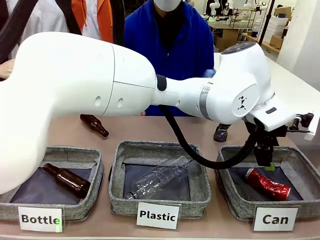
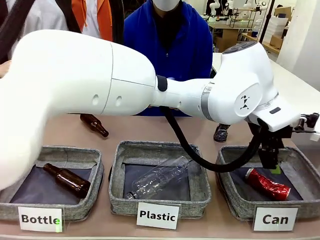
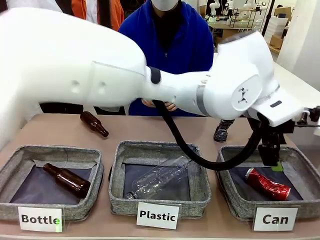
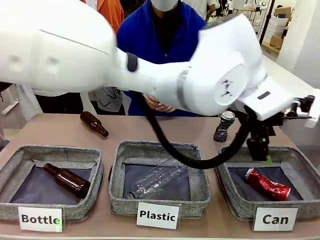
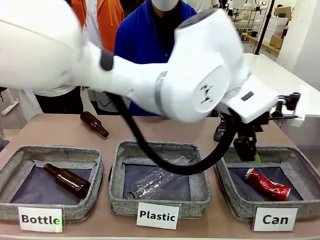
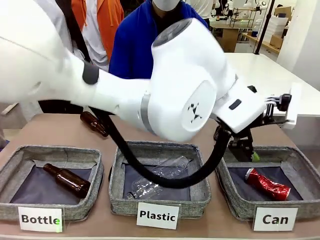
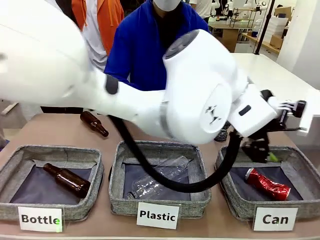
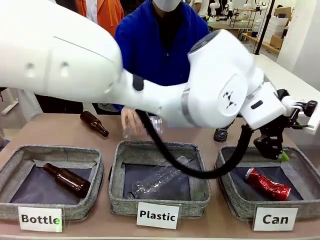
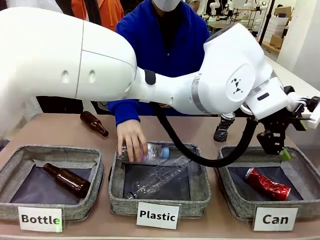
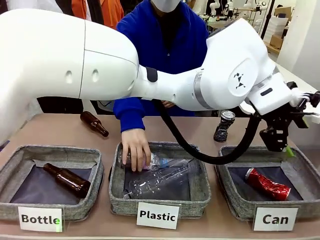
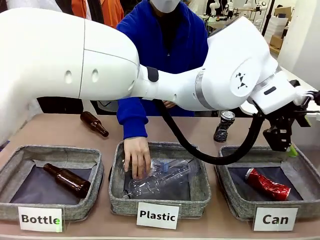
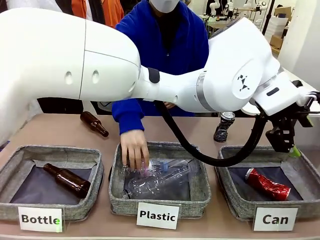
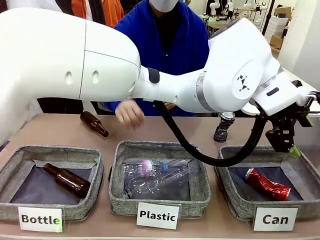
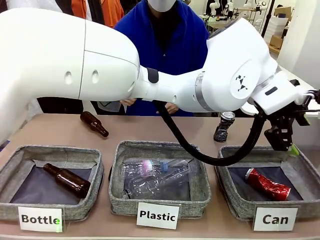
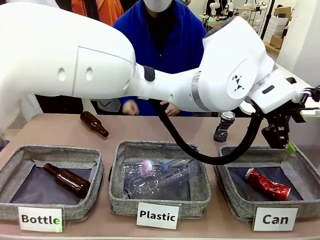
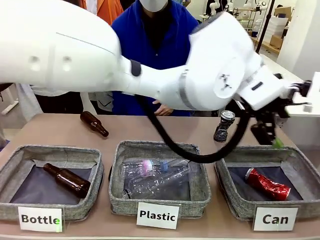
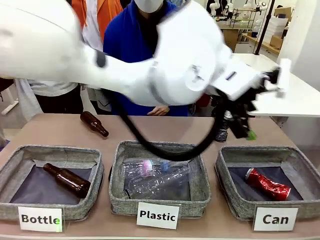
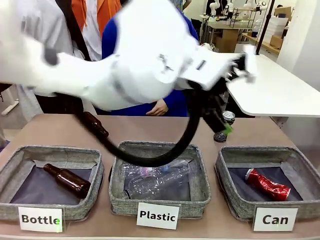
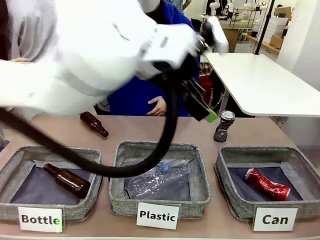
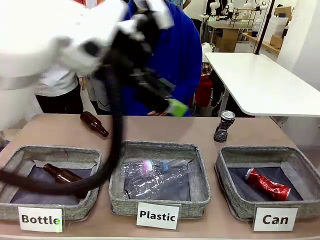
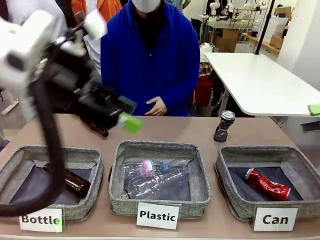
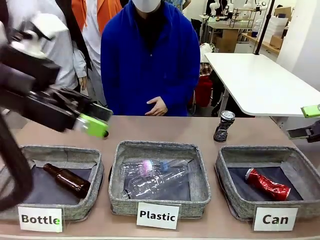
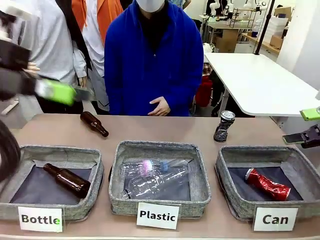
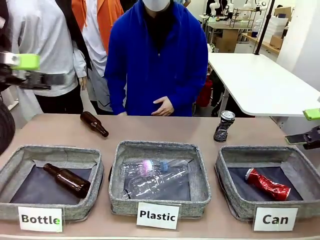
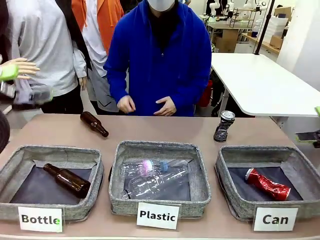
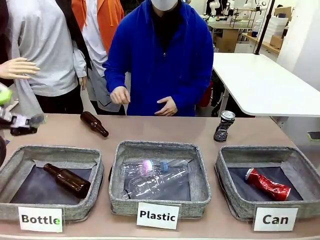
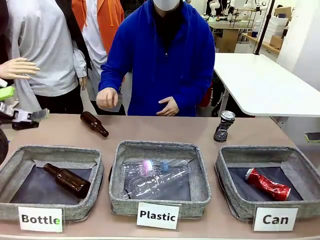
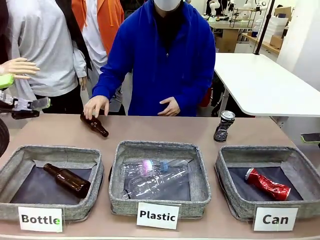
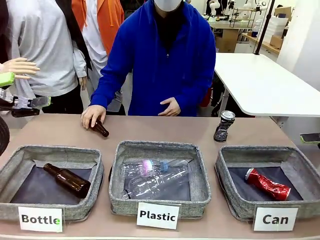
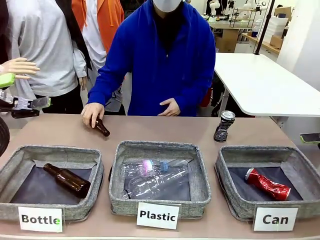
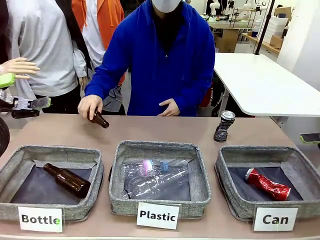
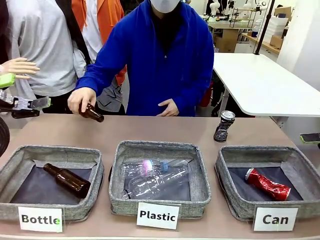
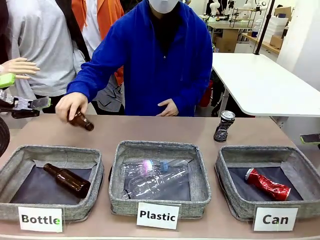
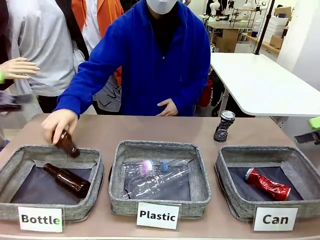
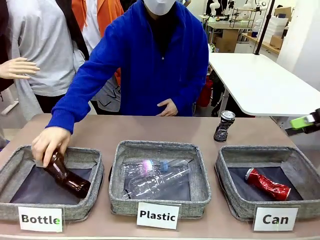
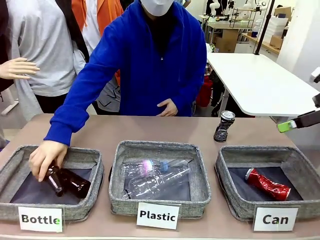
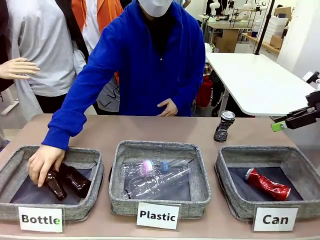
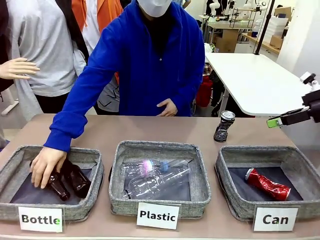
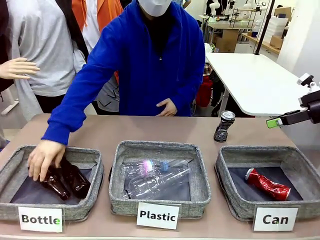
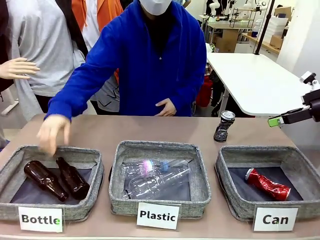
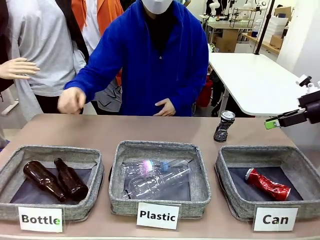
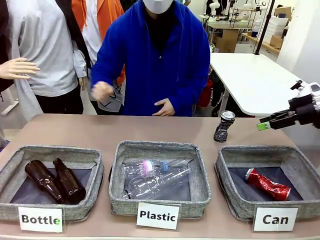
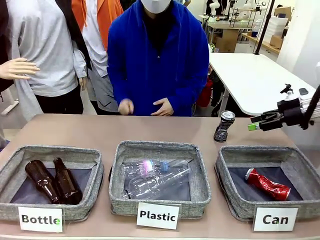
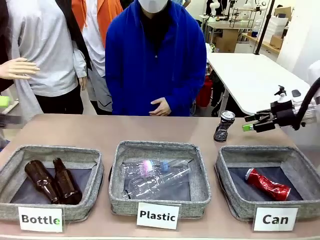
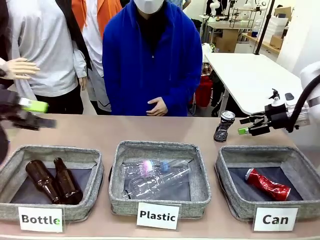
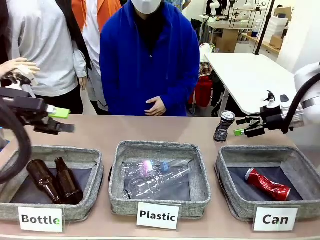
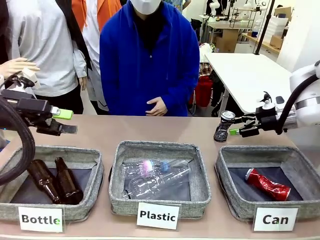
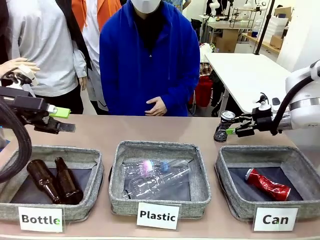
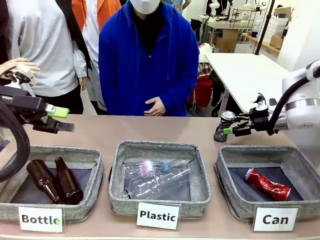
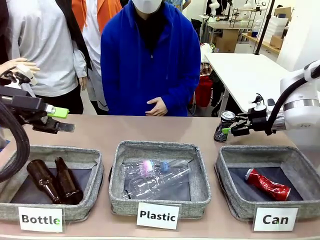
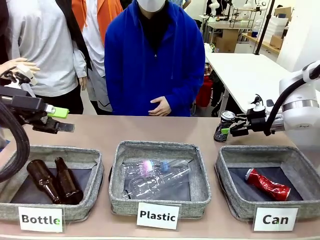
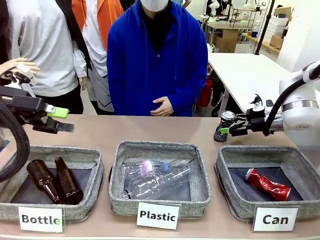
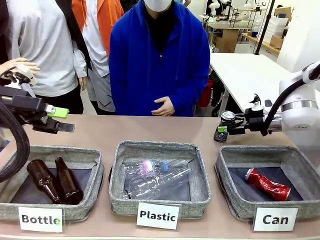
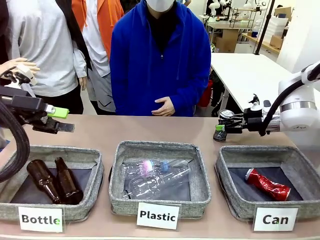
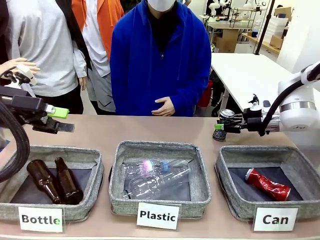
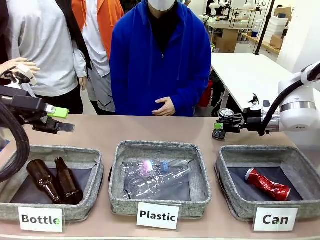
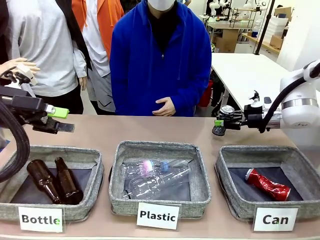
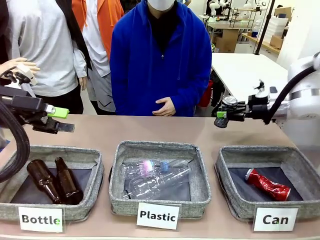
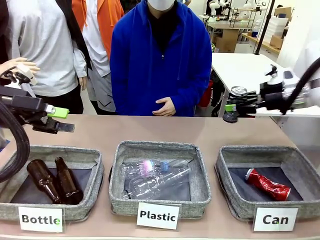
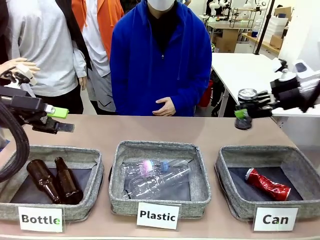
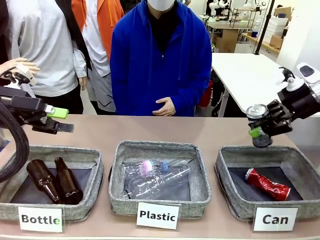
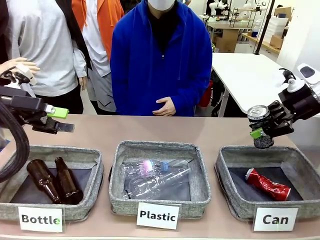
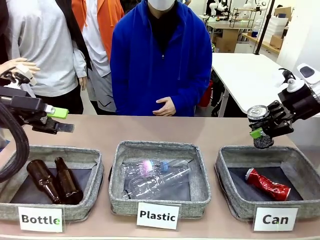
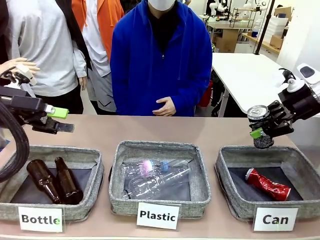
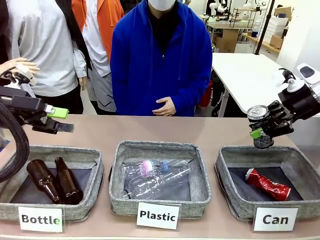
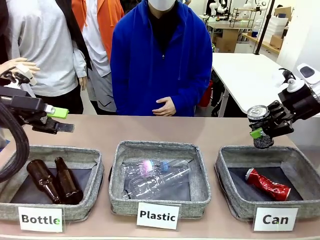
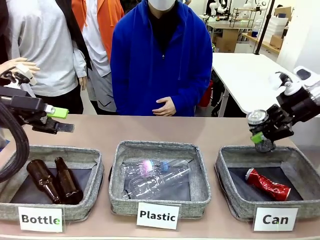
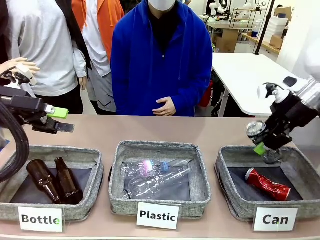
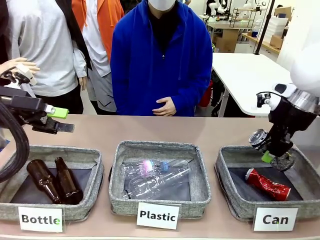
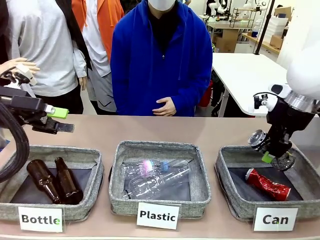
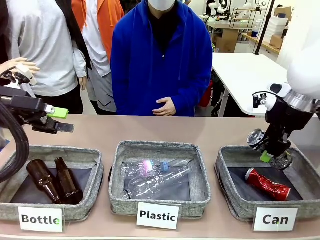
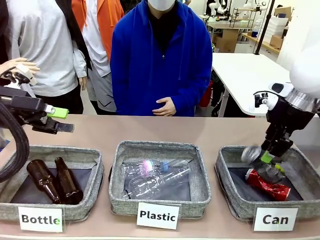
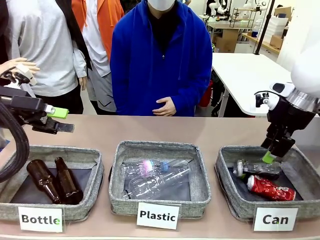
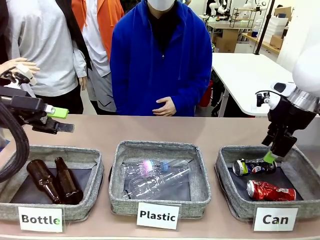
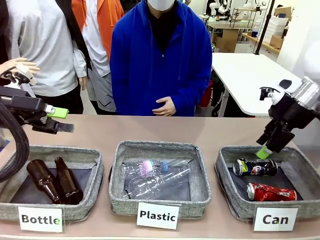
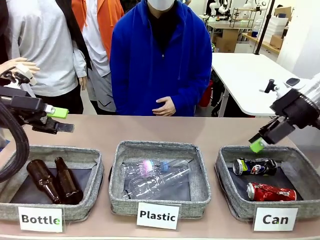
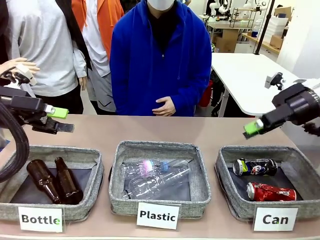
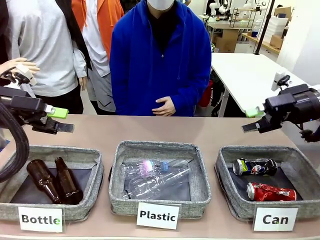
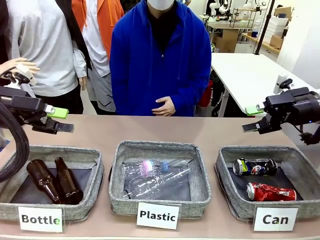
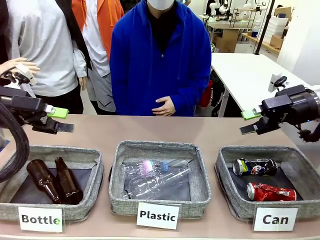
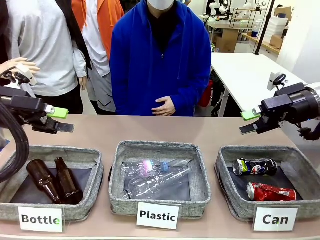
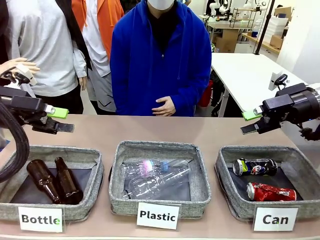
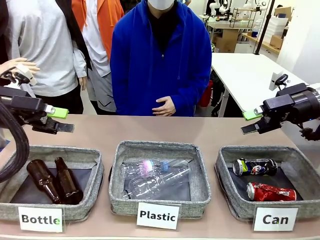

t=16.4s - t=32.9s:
Task: Sort the can waste into the basket.
Robot: Pick up the can waste from the table and place it in the right Fabric basket.
Person: The human picks up one piece of trash that is not a can and places the trash into the appropriate organizing basket.
